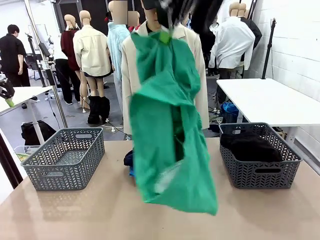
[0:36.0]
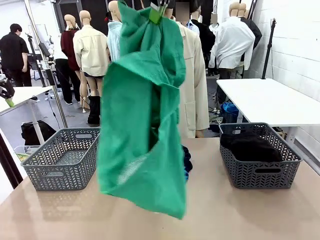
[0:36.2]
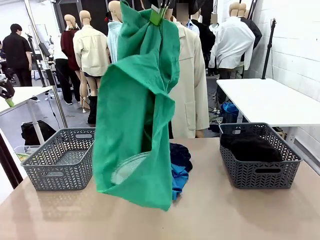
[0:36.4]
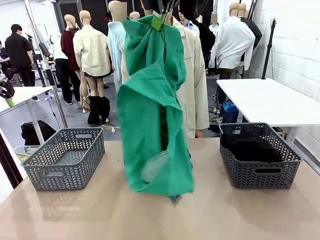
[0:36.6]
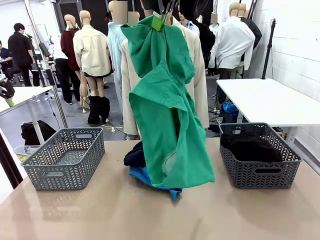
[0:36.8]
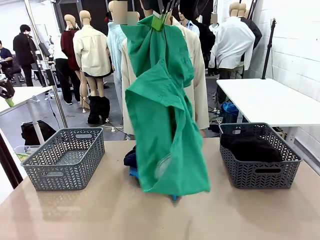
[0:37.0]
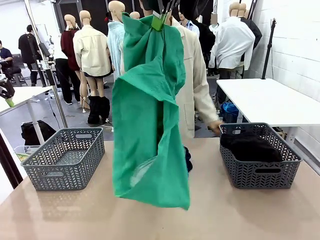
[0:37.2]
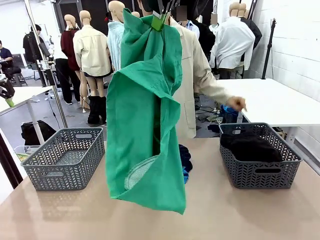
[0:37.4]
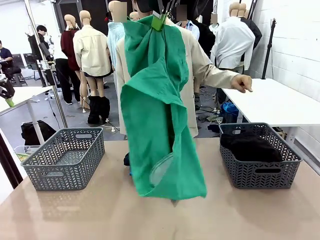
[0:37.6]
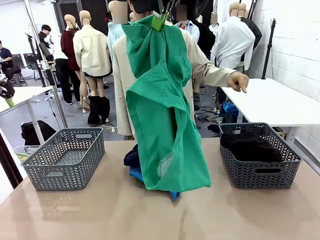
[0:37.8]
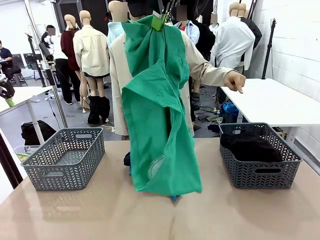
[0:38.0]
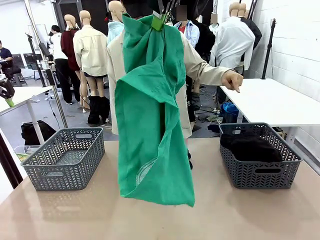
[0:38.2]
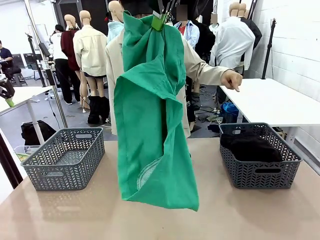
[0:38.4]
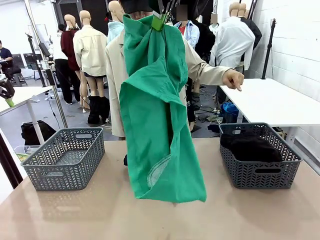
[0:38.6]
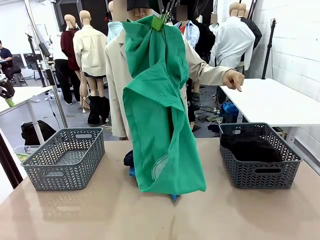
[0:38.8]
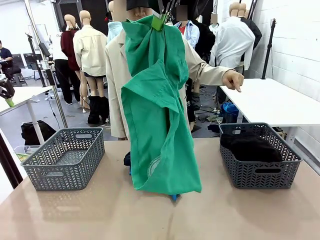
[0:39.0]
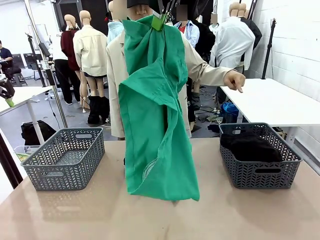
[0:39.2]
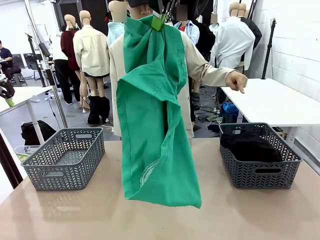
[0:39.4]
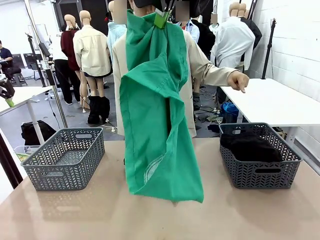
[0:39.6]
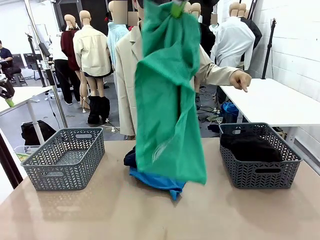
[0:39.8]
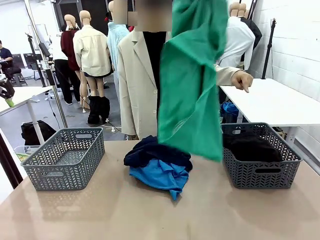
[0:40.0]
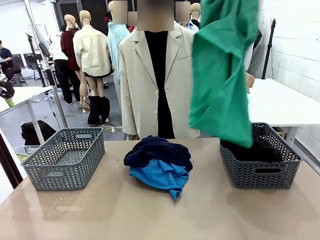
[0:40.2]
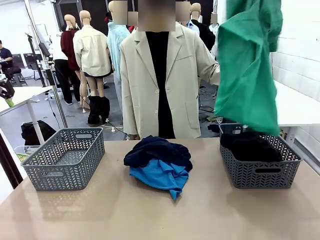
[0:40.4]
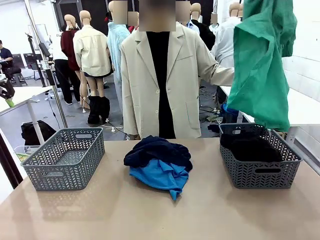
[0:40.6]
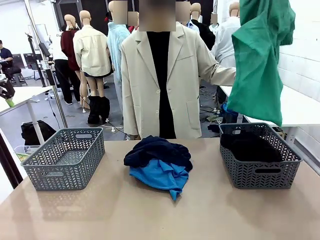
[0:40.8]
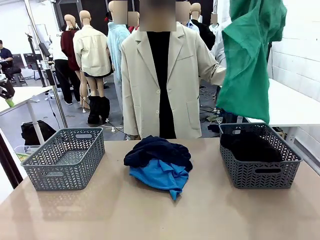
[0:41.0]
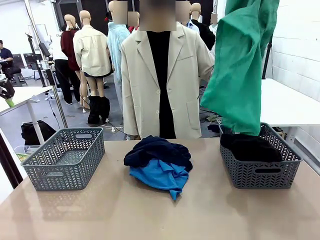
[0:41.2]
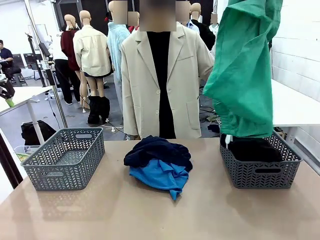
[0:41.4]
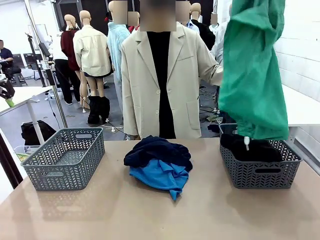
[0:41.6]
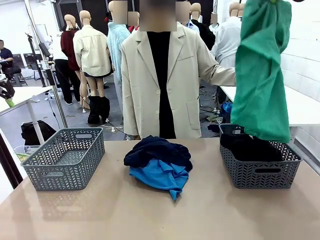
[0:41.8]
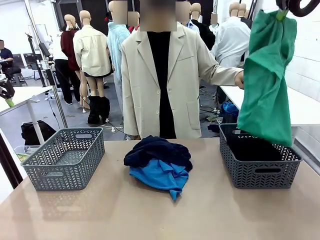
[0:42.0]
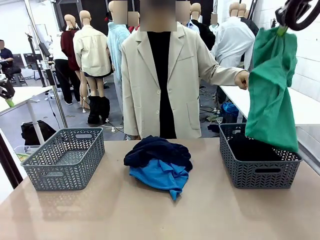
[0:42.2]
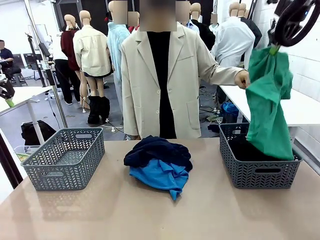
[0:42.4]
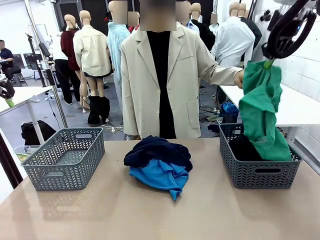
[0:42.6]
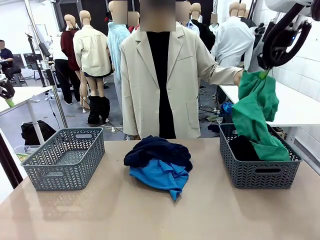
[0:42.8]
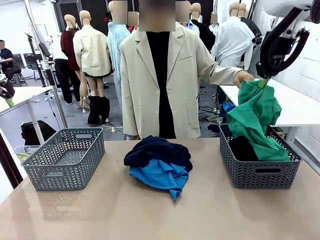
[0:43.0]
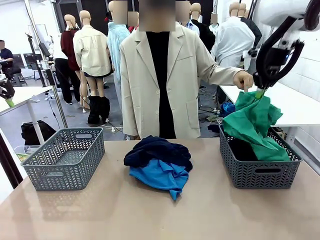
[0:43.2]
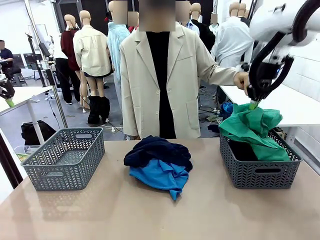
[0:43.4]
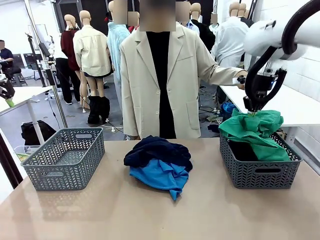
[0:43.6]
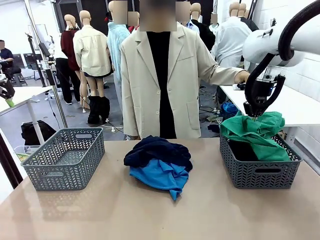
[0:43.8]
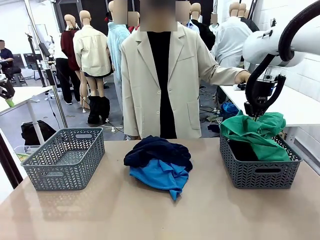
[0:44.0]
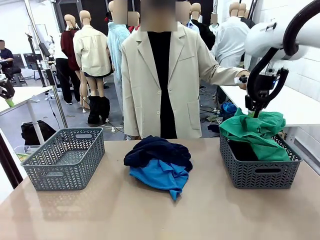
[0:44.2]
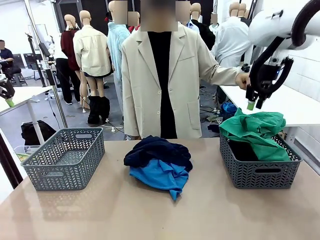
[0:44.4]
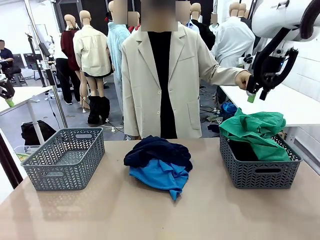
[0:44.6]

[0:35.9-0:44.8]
Task: Sort the tops and bottoms.
Robot: Sort the clothes according to human instructions.

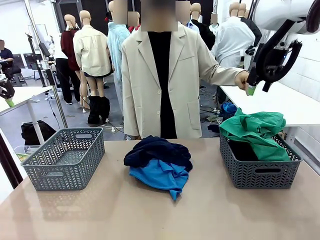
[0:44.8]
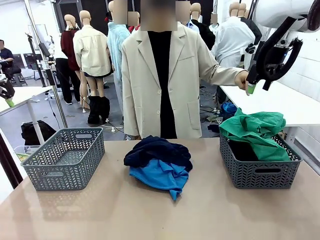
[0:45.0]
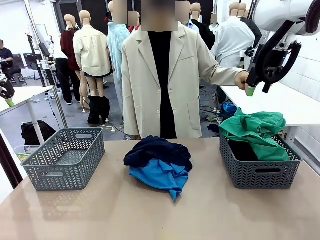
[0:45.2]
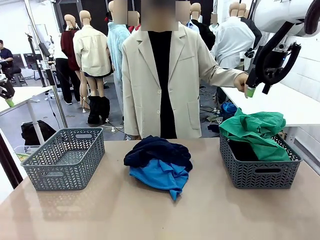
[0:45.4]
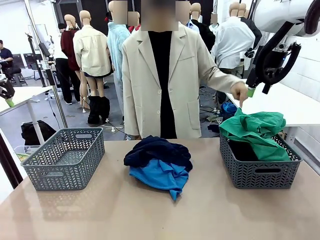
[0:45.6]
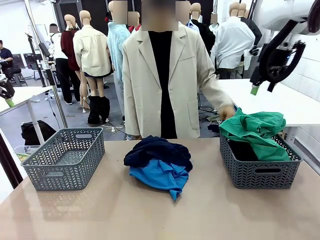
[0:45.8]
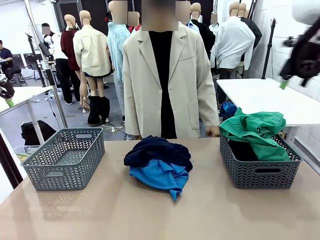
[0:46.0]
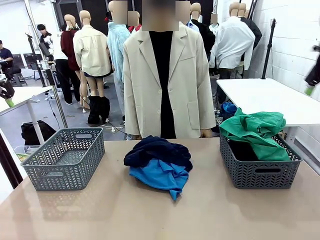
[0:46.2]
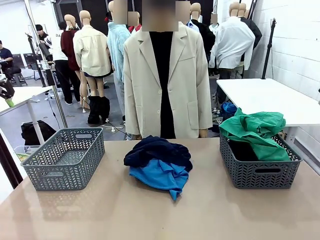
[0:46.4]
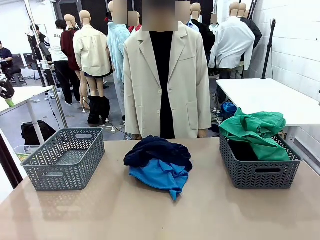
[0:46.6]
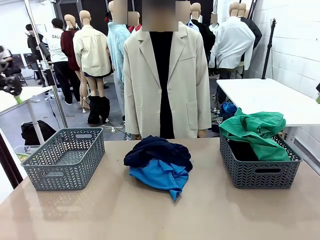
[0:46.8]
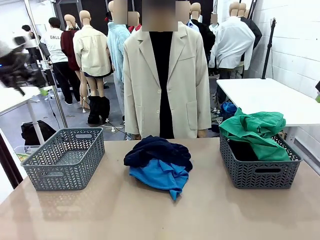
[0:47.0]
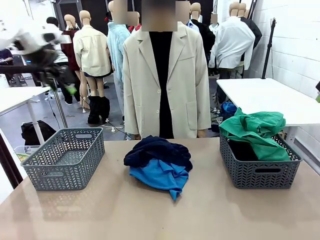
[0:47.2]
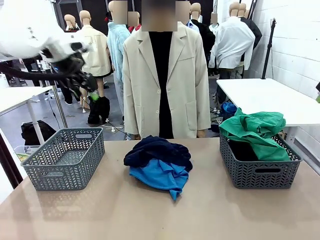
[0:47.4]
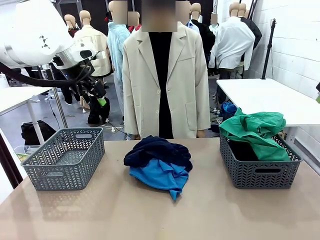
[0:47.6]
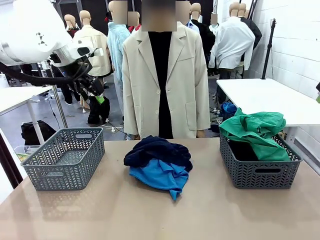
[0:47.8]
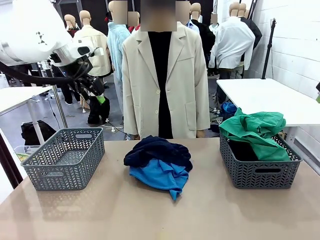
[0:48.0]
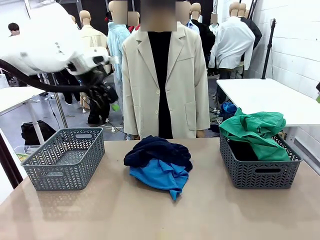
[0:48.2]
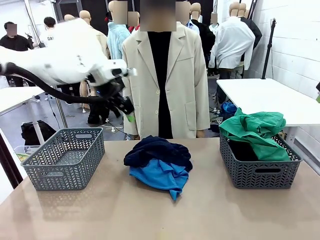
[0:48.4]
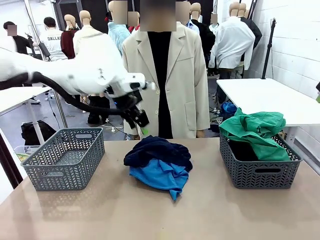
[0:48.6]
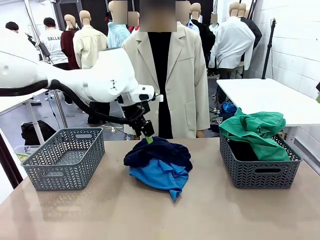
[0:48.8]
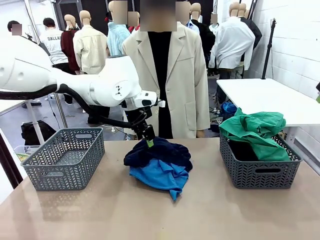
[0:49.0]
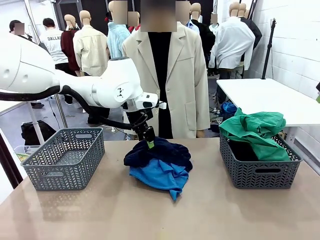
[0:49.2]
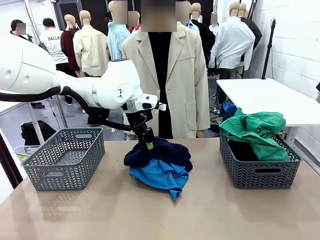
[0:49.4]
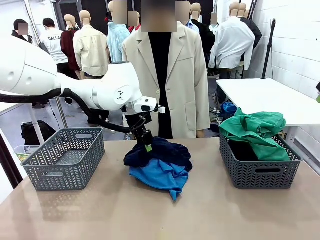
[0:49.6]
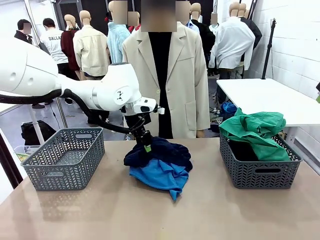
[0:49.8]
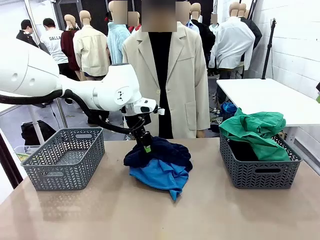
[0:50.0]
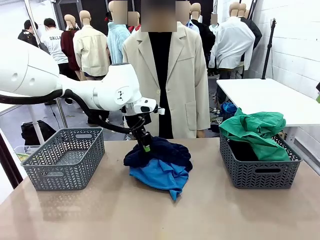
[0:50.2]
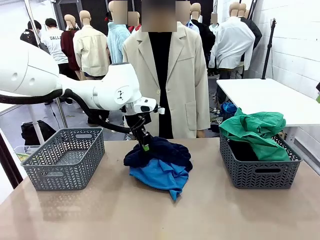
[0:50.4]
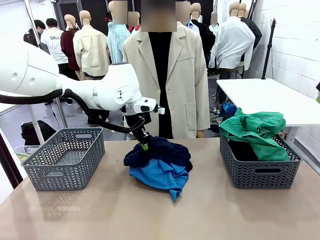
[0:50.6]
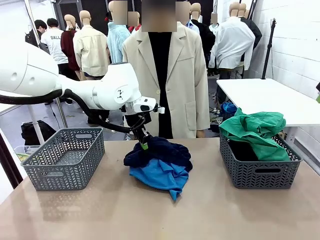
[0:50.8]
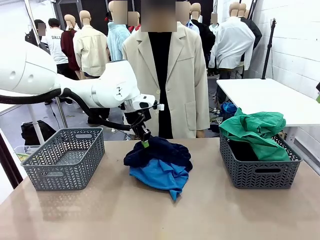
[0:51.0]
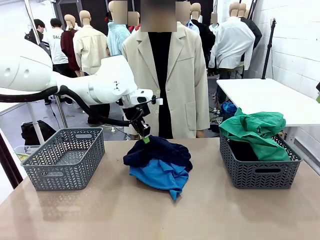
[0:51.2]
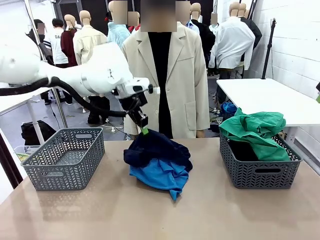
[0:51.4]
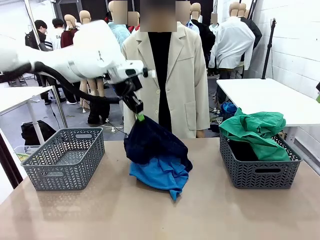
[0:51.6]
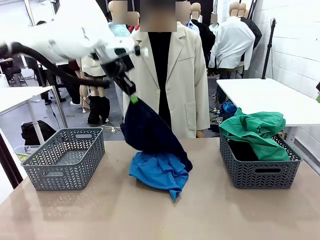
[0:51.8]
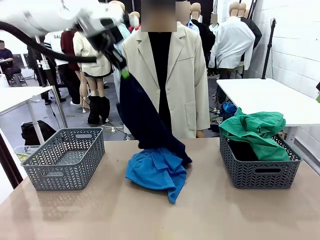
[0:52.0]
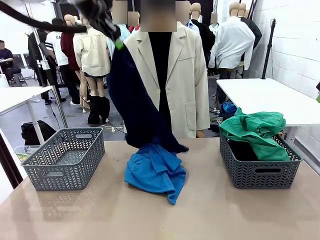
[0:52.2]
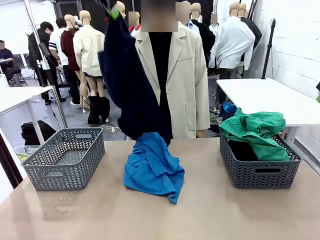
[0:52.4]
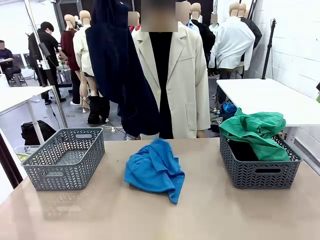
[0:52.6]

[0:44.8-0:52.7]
Robot: Lift clothes from the center of the table with your left hand.

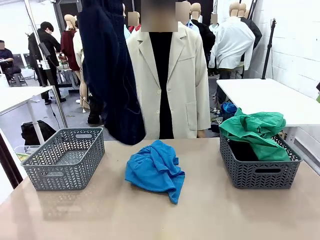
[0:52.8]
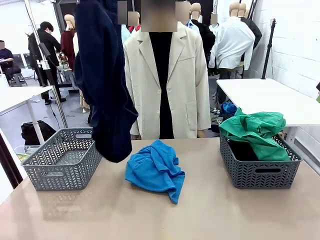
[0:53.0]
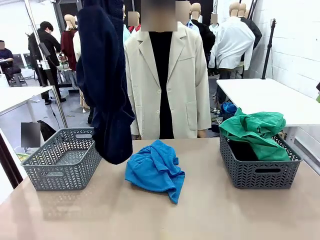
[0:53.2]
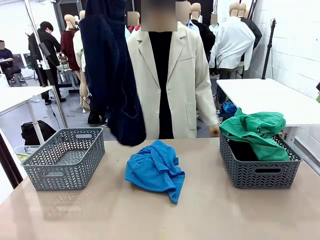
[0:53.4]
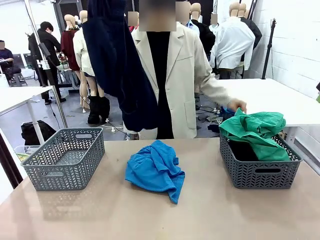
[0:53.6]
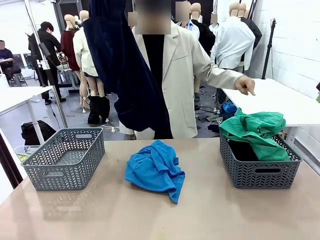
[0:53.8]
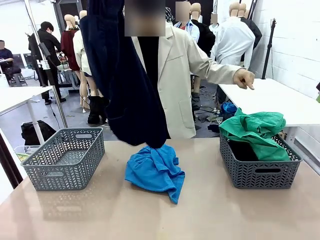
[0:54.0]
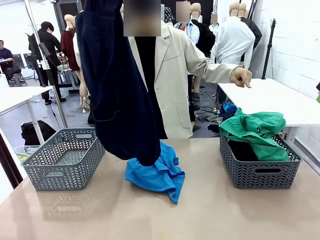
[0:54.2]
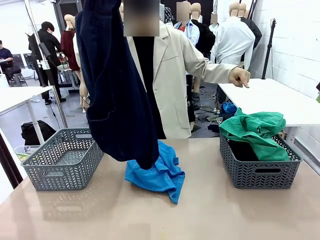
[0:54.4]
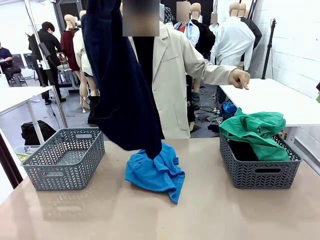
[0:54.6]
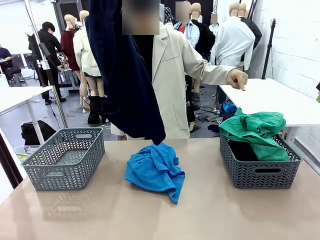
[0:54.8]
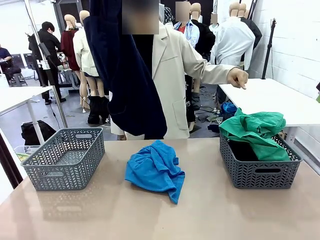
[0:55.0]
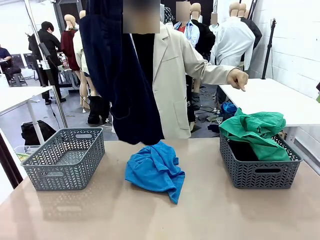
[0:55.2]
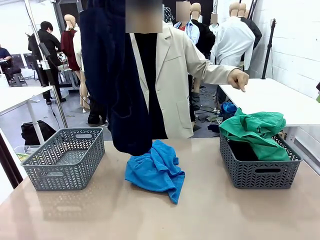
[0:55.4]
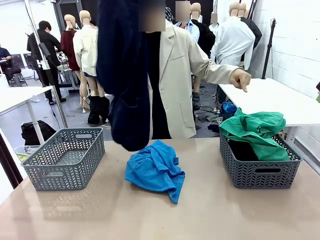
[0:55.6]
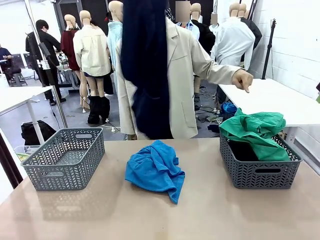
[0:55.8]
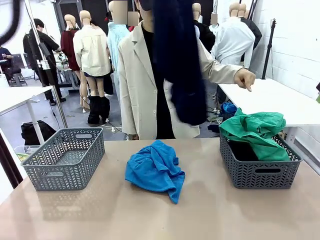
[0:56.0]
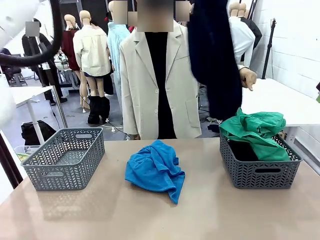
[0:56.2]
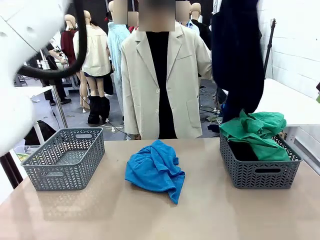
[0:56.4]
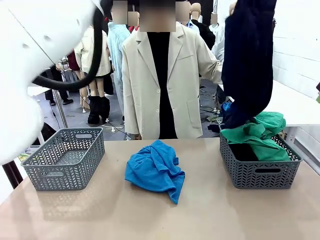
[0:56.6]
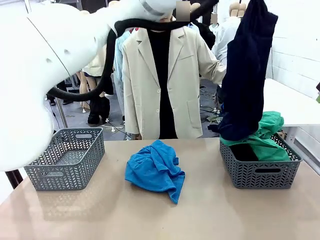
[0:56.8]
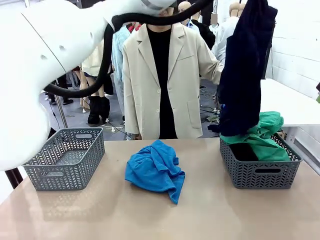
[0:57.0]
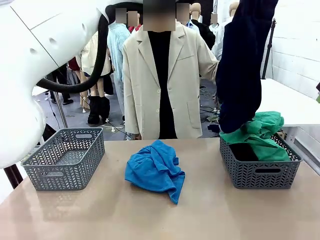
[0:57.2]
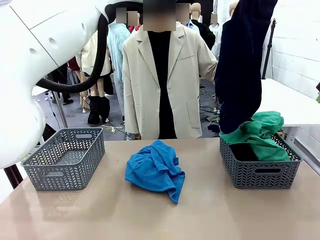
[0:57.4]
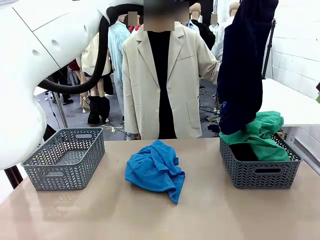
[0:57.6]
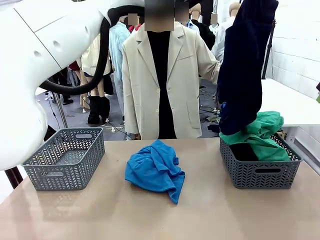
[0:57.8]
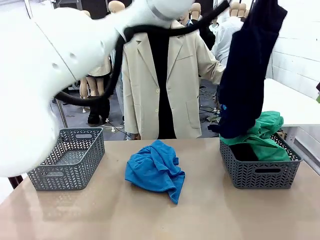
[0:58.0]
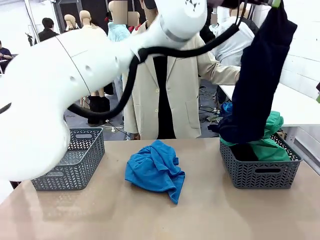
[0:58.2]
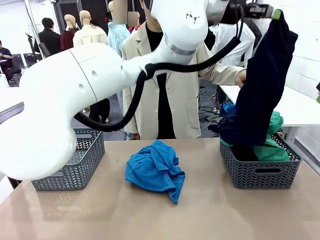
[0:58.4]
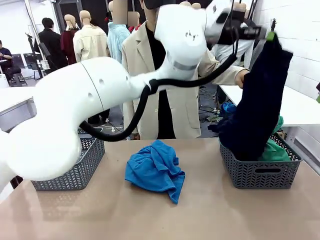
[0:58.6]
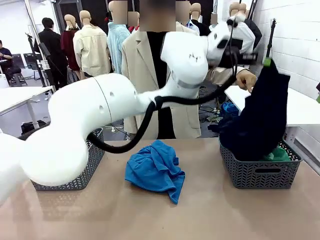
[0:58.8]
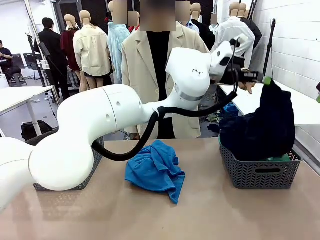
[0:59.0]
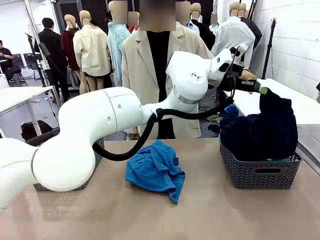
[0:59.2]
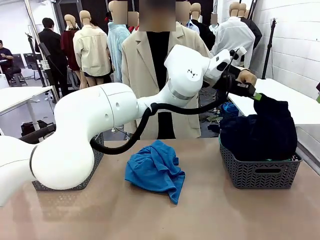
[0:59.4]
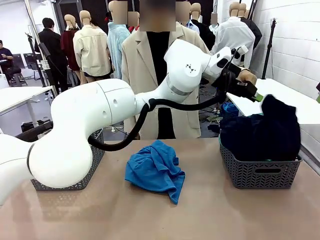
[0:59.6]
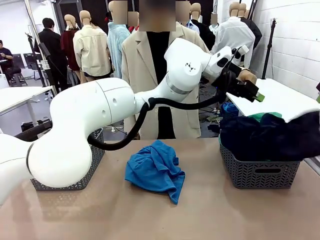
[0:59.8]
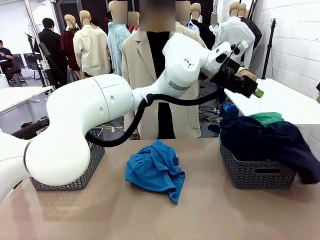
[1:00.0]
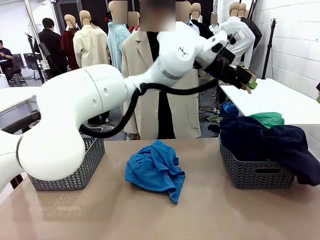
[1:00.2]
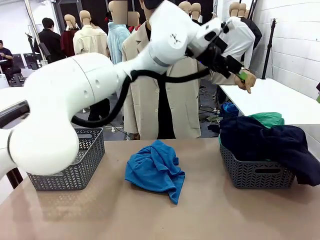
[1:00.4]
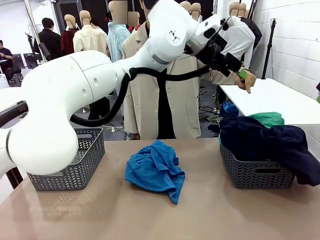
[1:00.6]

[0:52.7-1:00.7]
Robot: Sort the clothes according to human instructions.
